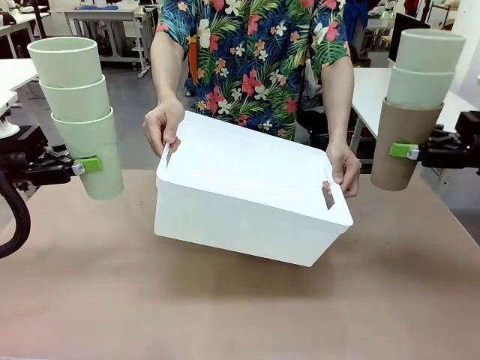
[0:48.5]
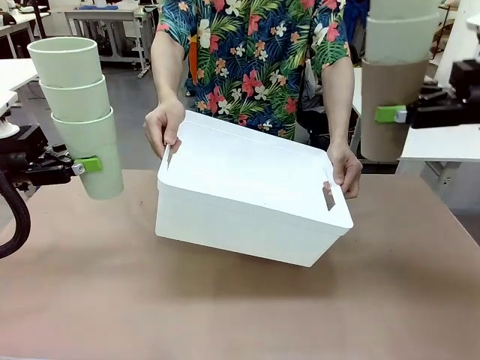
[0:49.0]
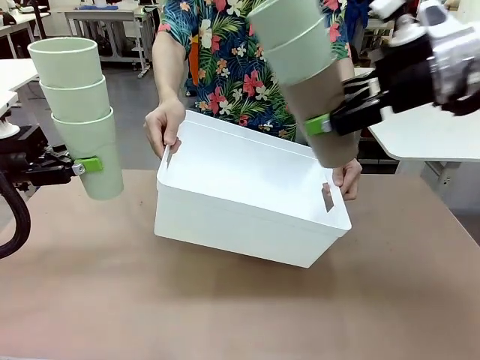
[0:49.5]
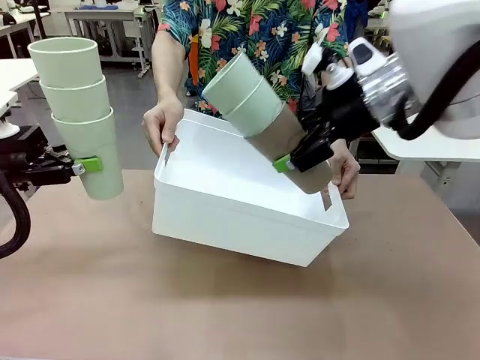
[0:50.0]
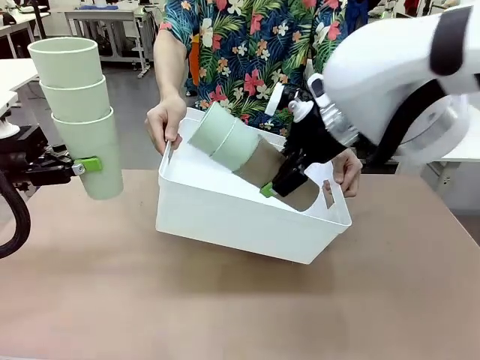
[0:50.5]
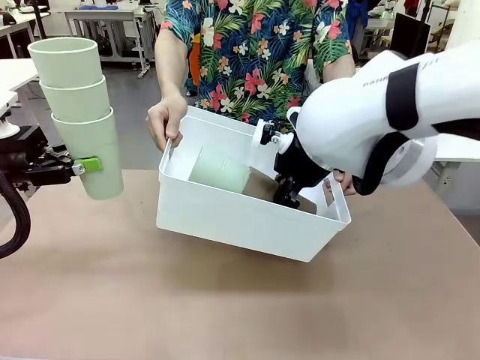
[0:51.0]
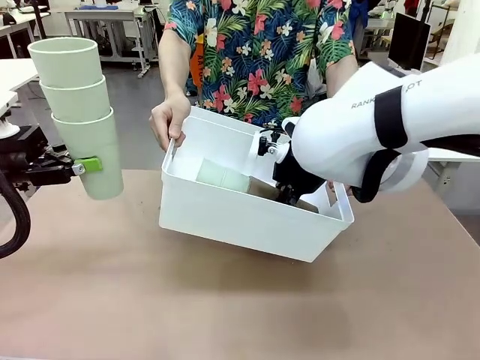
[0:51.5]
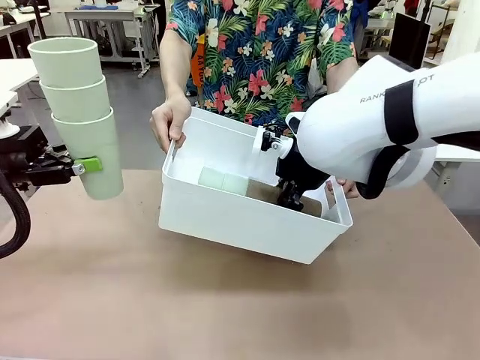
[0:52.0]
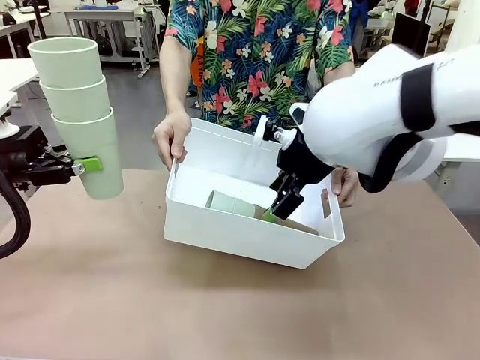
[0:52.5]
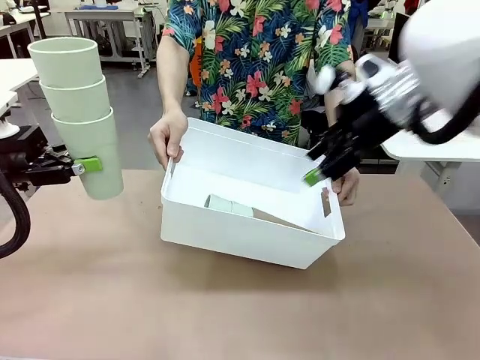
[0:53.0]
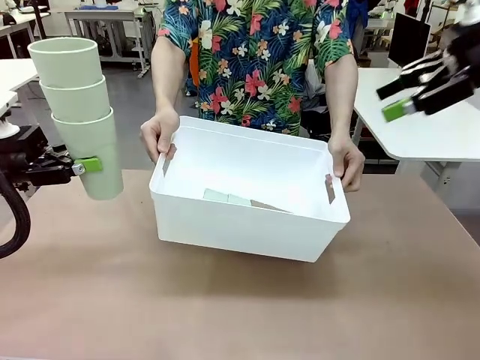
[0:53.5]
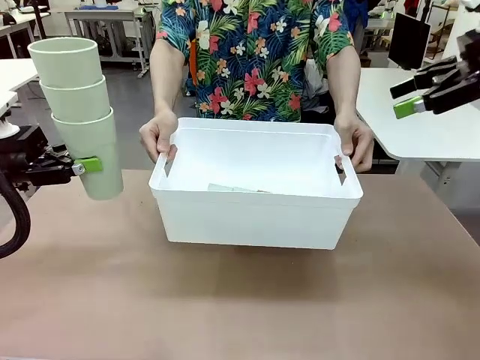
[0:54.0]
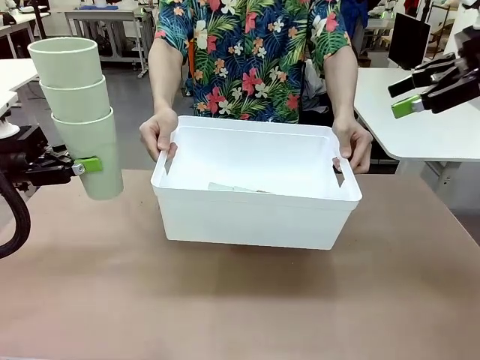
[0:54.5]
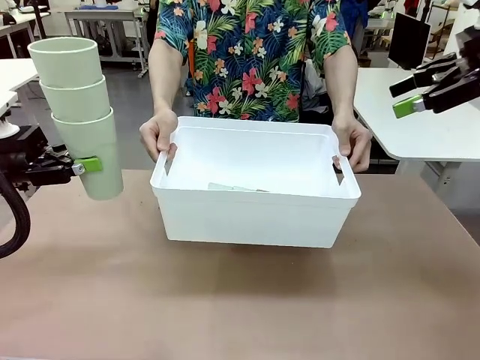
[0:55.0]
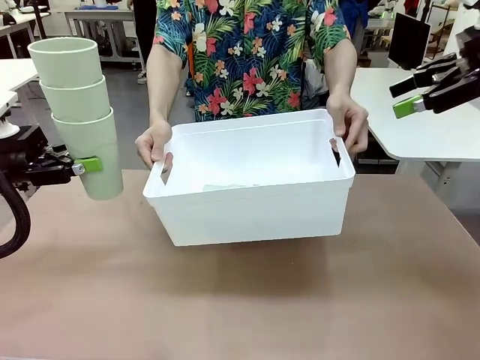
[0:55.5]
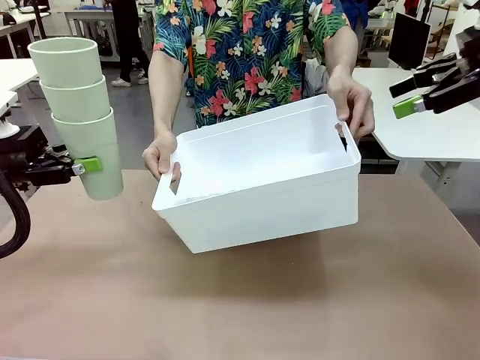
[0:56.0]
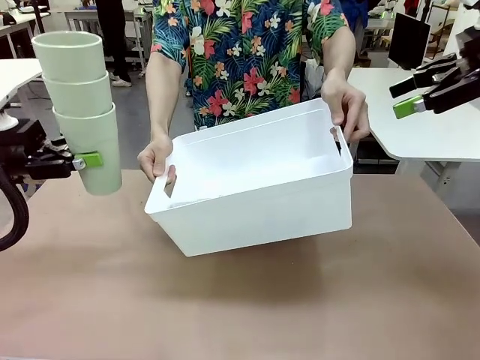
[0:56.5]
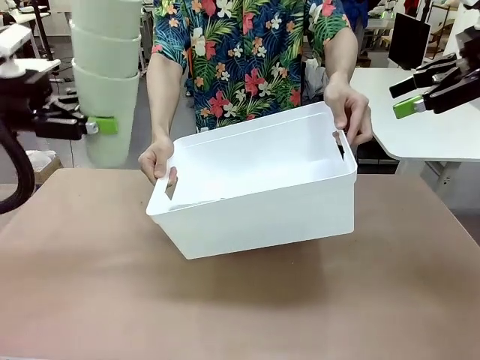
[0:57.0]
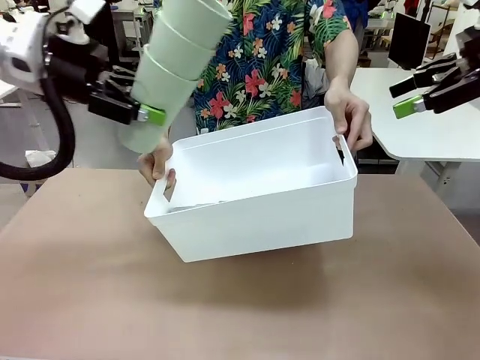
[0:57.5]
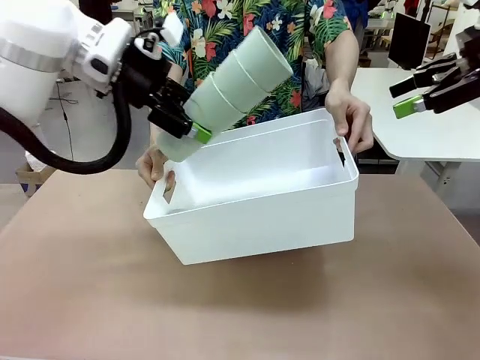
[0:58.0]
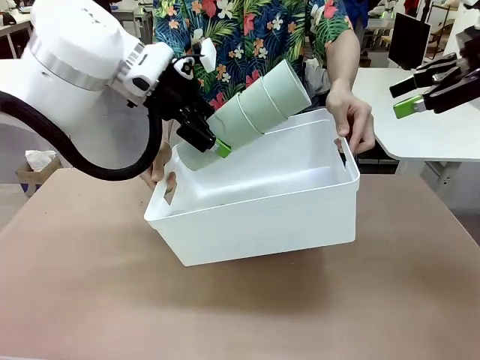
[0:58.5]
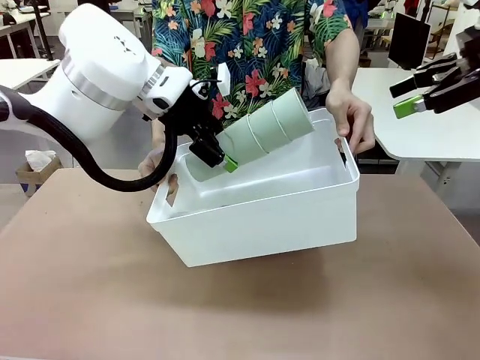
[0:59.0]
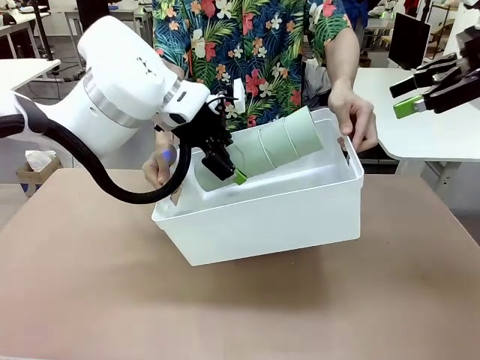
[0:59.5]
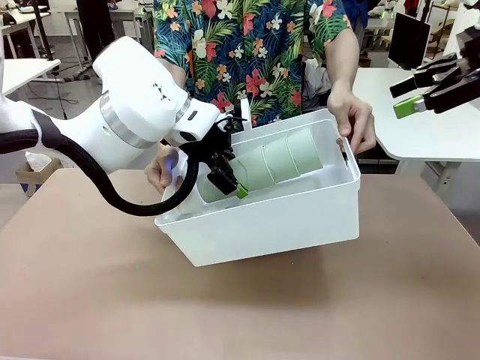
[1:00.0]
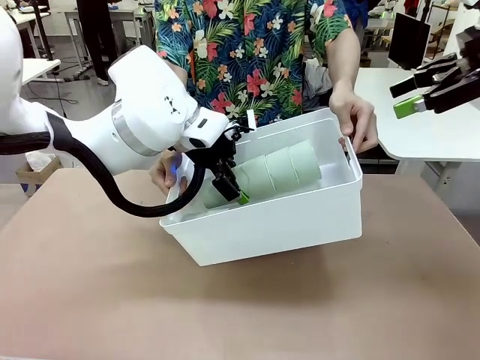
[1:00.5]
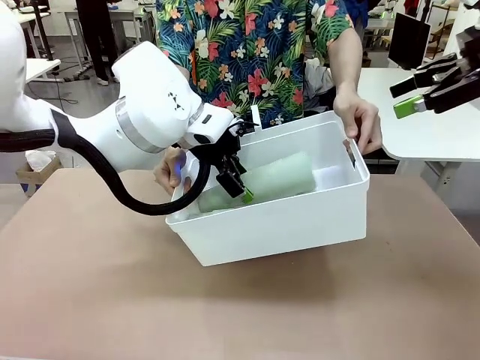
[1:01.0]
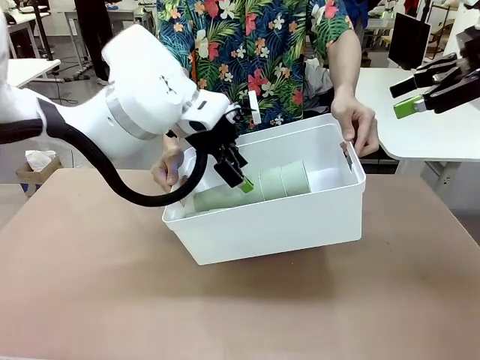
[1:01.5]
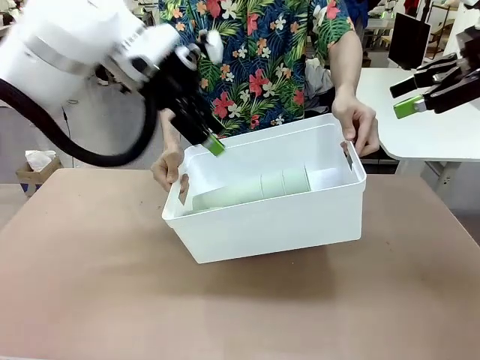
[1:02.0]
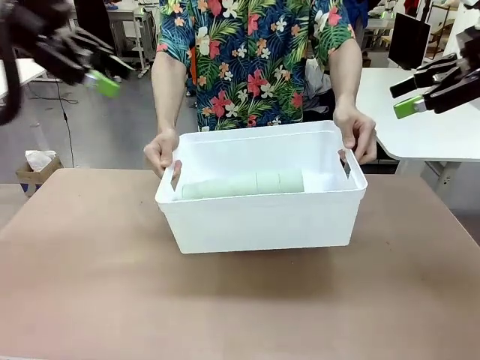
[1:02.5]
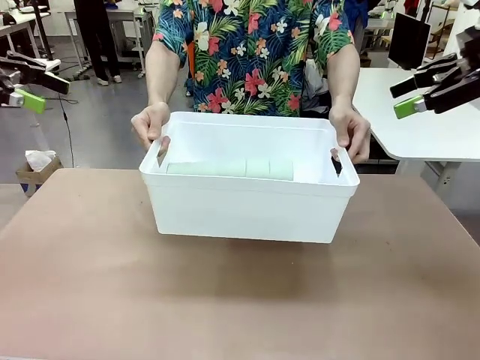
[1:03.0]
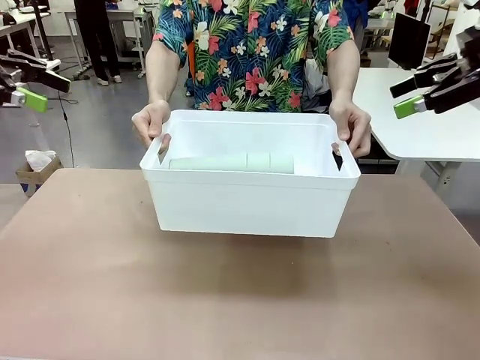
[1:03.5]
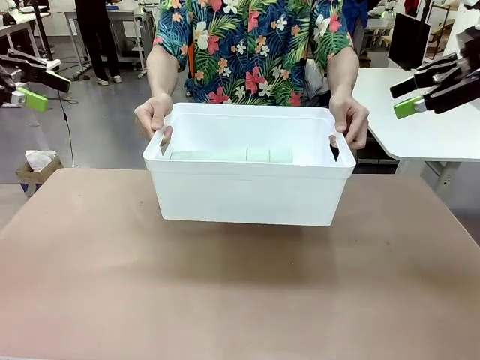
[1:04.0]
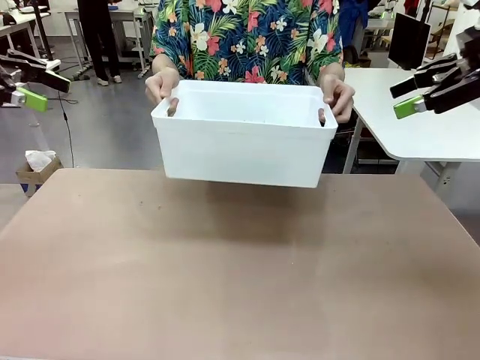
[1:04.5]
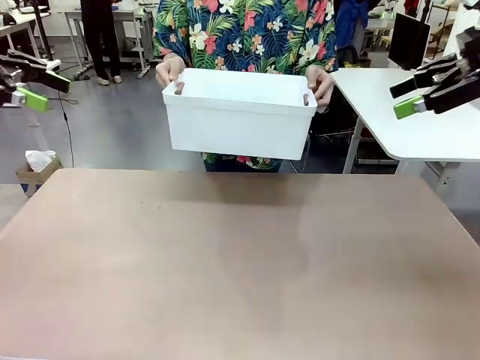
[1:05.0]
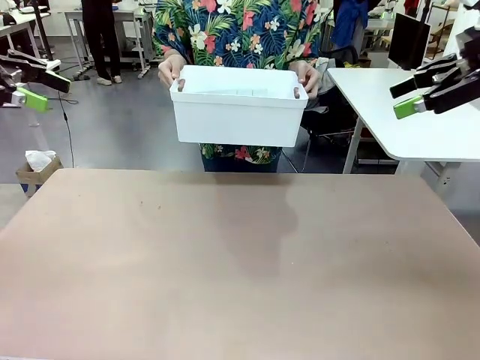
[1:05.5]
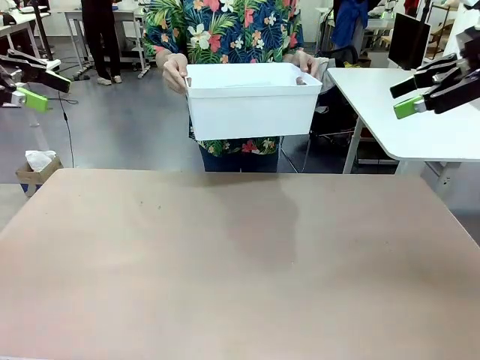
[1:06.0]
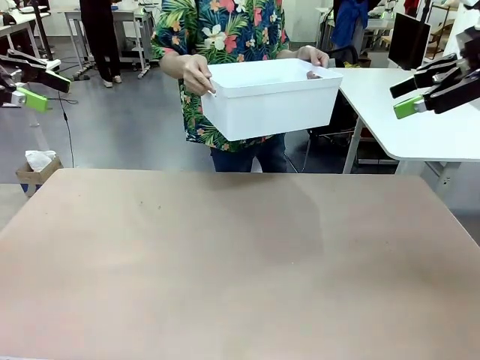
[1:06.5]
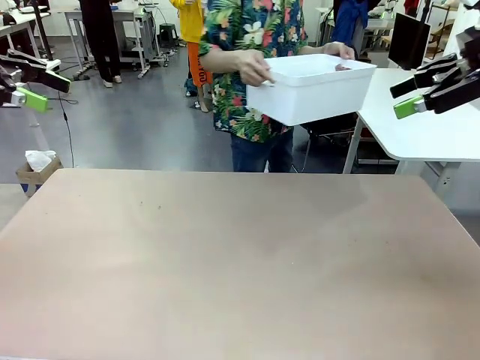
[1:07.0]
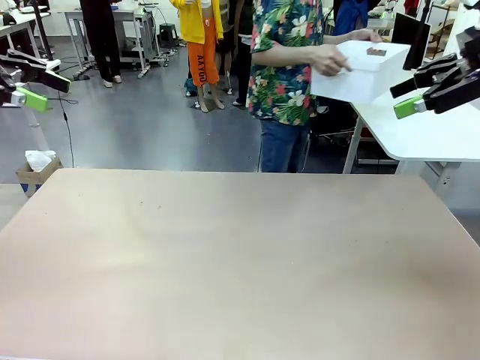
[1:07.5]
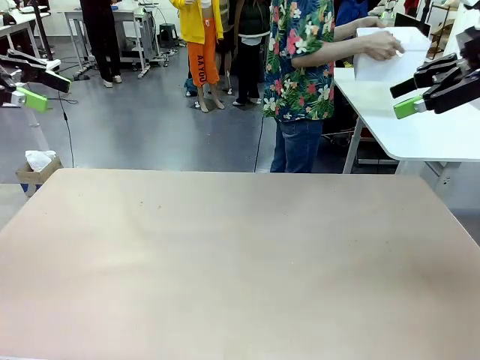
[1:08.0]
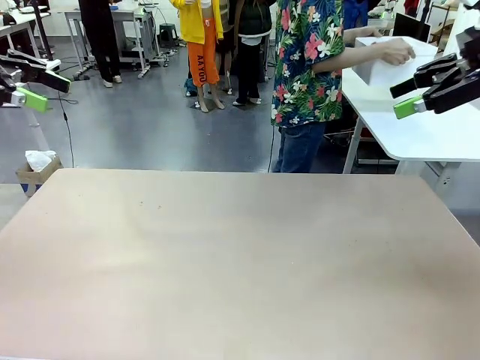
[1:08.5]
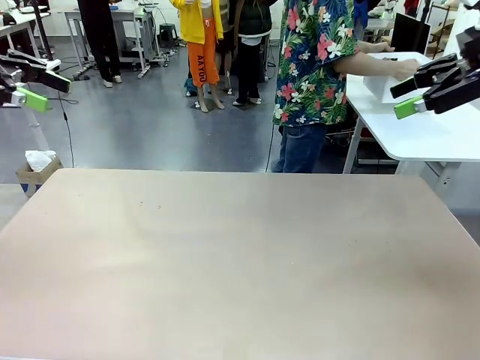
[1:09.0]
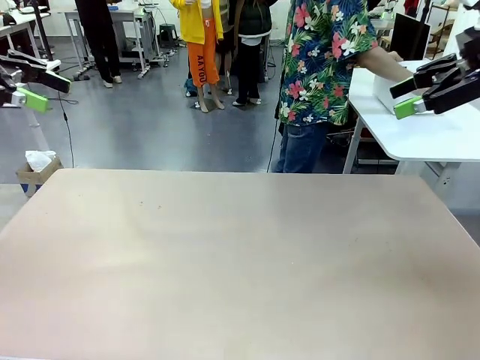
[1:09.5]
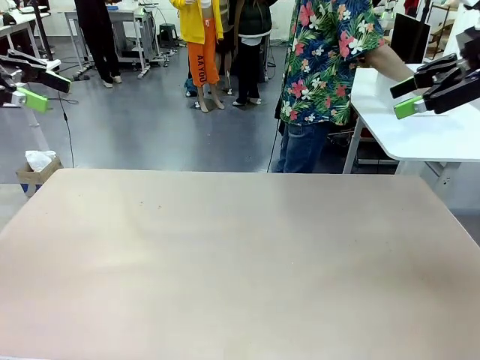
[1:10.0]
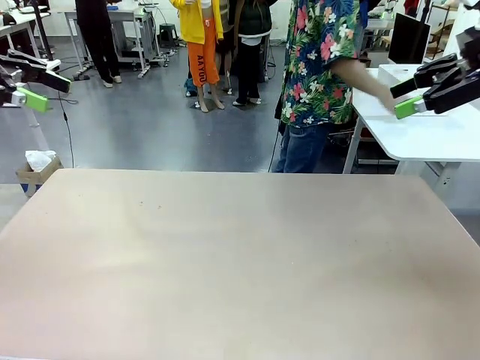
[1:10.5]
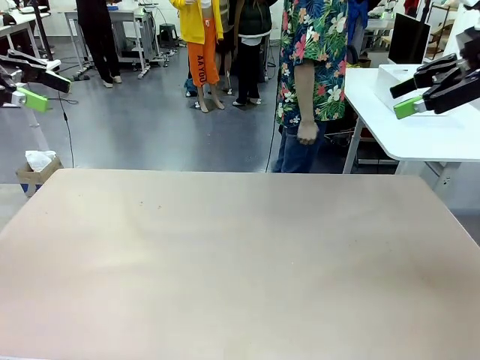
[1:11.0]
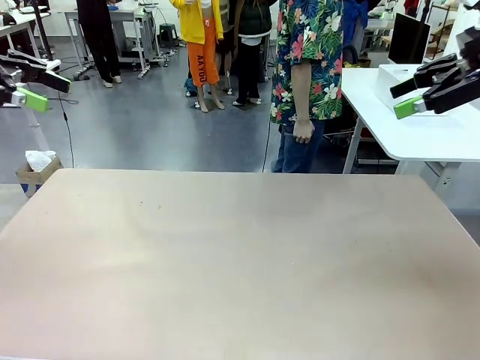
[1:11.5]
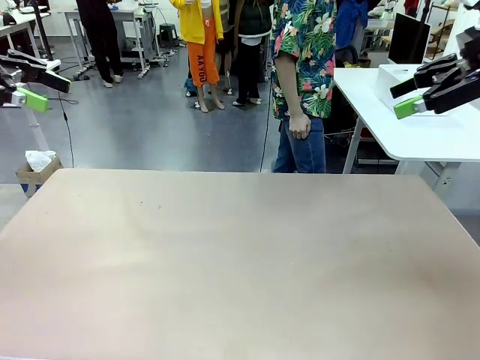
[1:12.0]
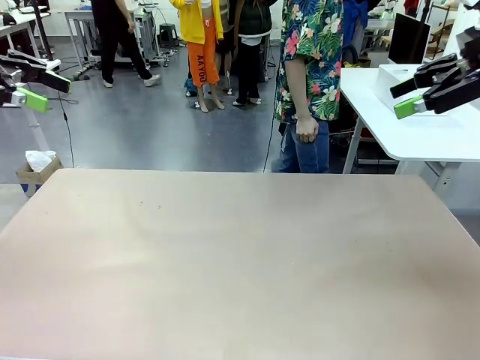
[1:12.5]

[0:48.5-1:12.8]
Task: Stack the cups and store them in the basket.
Robot: Place the stack of Reusable plastic cups into the Pantry Basket.
Person: Place the basket containing the cups in the middle of the Human Table.
